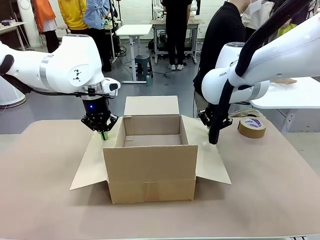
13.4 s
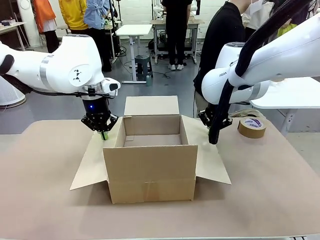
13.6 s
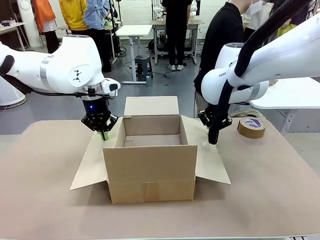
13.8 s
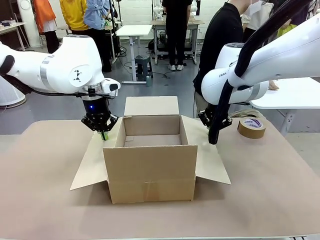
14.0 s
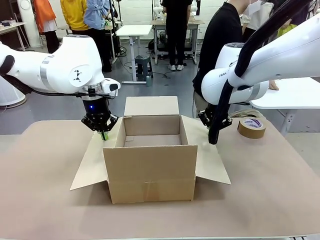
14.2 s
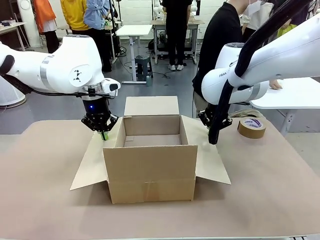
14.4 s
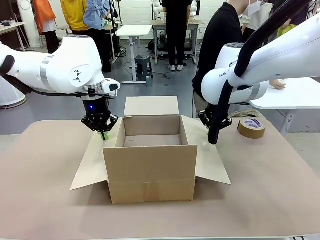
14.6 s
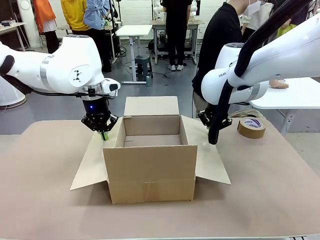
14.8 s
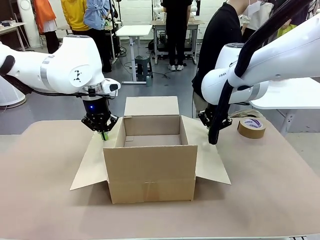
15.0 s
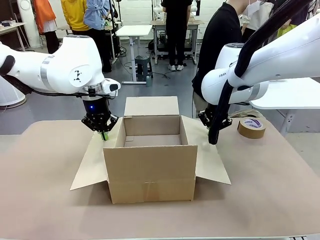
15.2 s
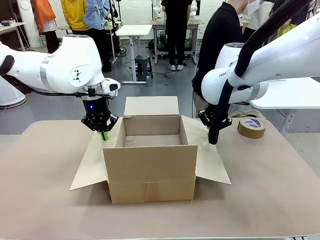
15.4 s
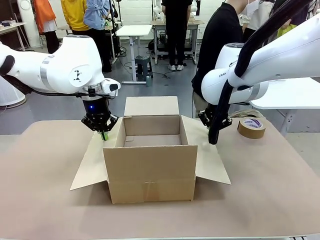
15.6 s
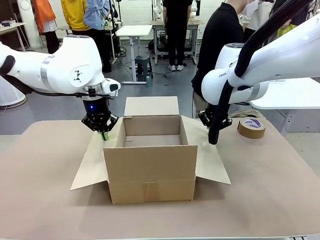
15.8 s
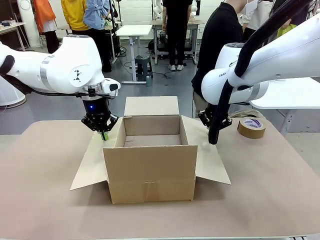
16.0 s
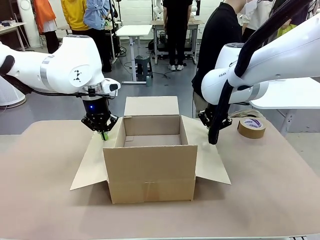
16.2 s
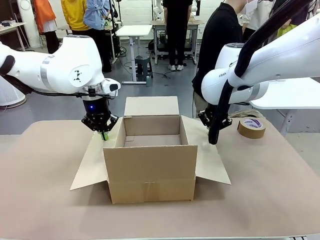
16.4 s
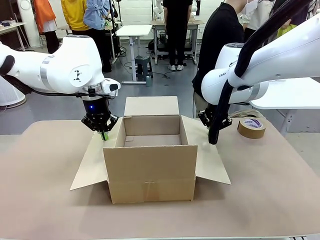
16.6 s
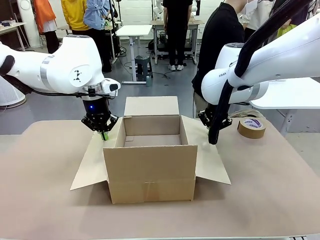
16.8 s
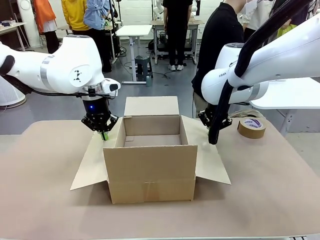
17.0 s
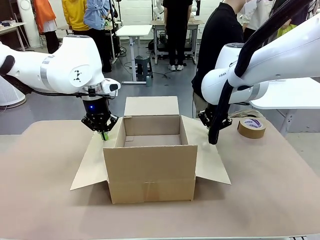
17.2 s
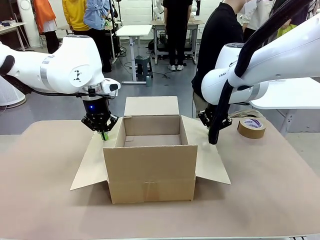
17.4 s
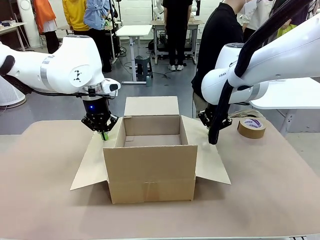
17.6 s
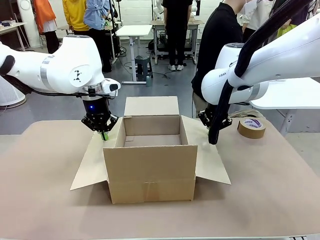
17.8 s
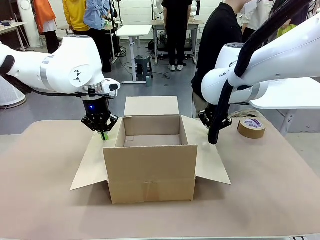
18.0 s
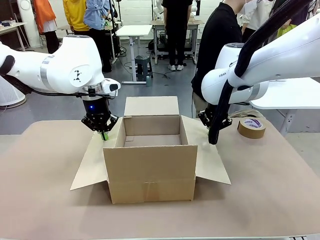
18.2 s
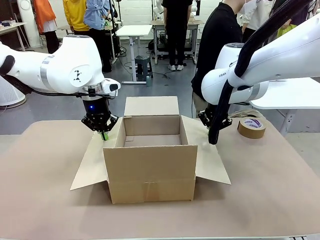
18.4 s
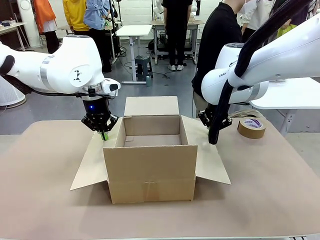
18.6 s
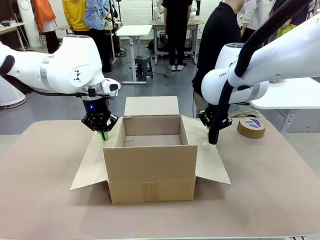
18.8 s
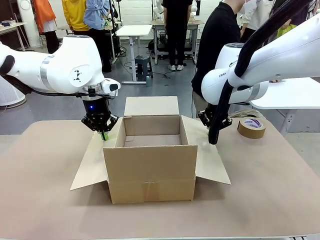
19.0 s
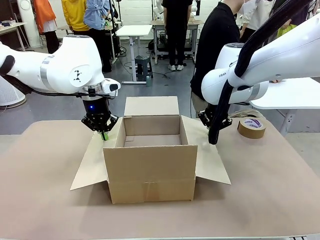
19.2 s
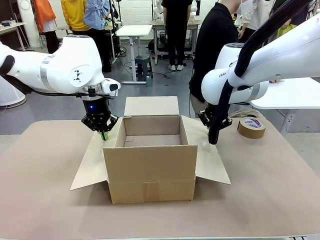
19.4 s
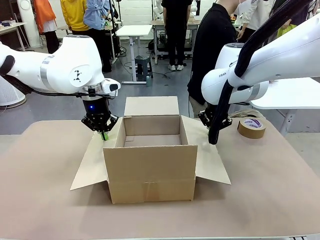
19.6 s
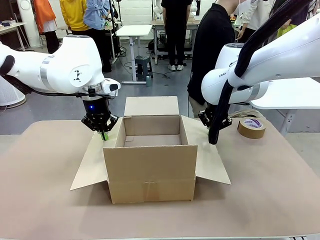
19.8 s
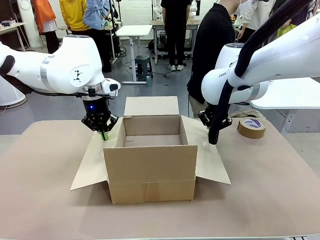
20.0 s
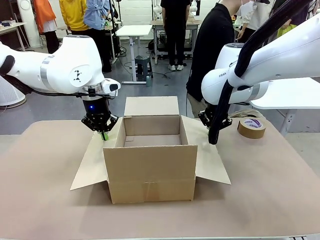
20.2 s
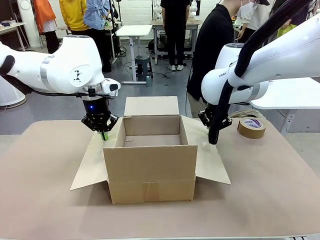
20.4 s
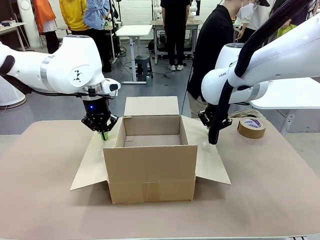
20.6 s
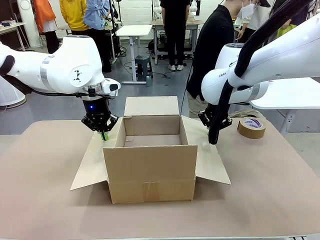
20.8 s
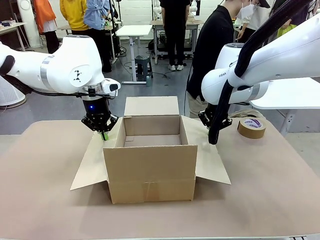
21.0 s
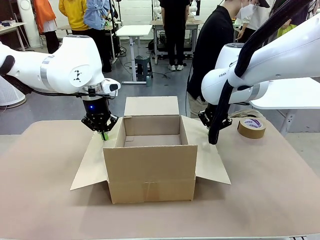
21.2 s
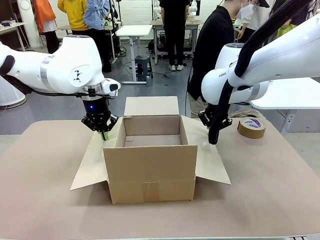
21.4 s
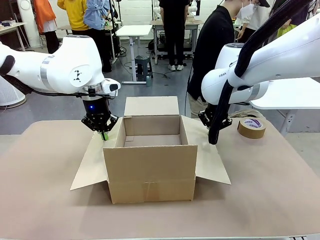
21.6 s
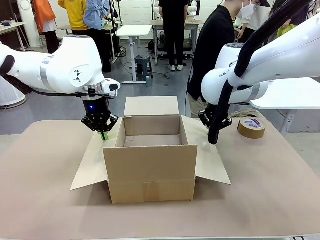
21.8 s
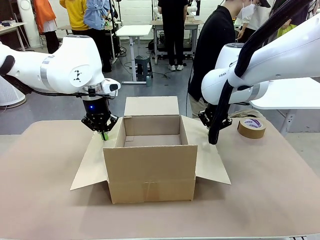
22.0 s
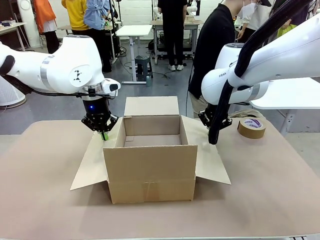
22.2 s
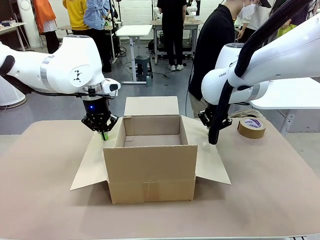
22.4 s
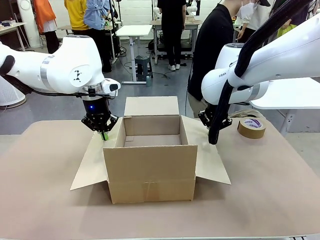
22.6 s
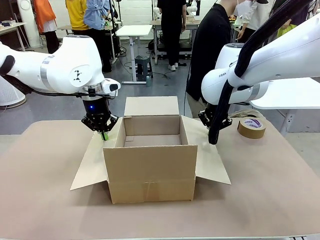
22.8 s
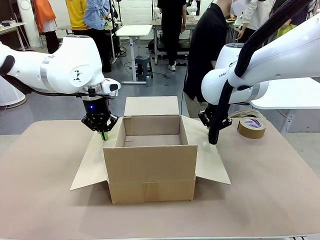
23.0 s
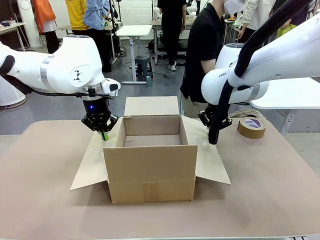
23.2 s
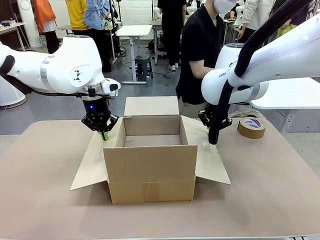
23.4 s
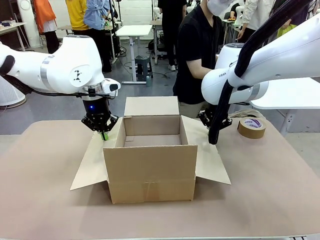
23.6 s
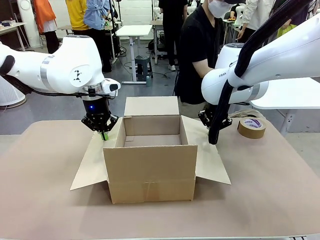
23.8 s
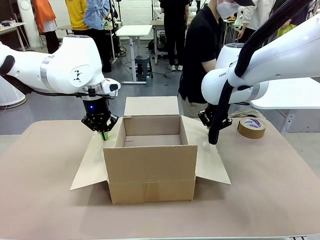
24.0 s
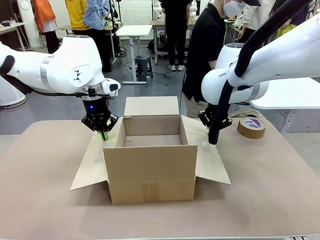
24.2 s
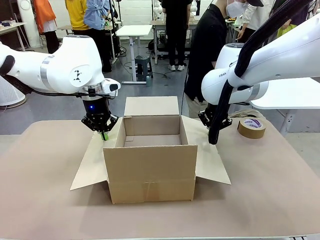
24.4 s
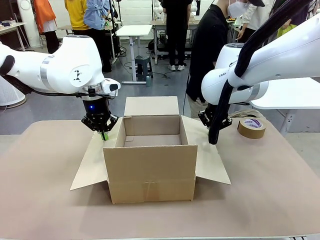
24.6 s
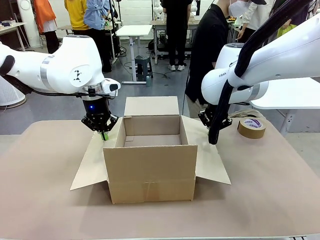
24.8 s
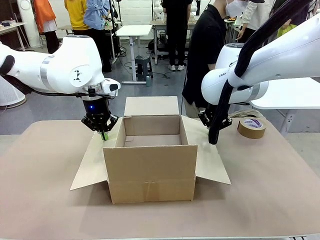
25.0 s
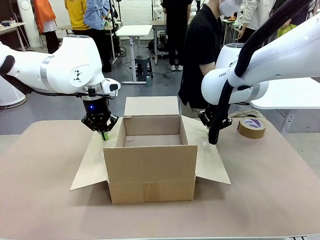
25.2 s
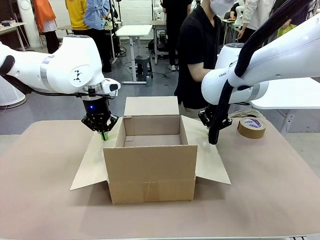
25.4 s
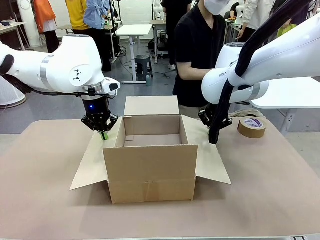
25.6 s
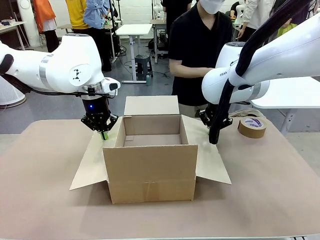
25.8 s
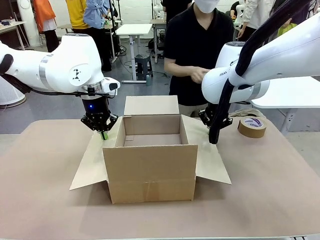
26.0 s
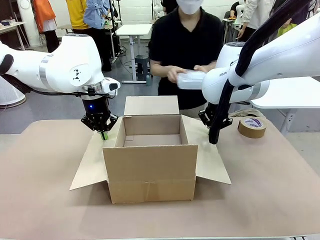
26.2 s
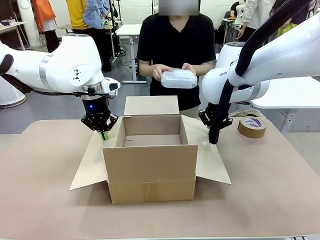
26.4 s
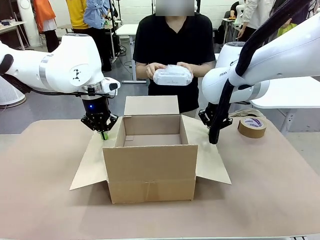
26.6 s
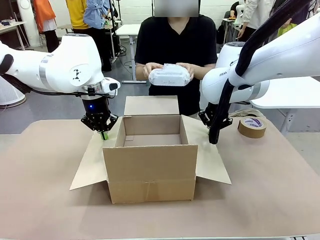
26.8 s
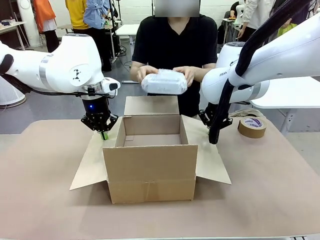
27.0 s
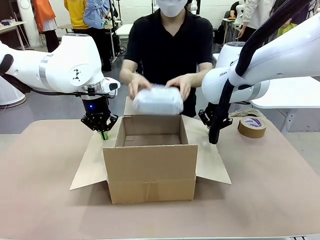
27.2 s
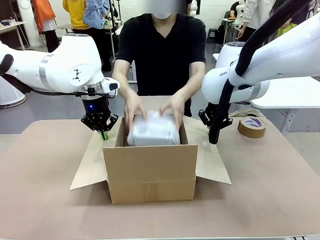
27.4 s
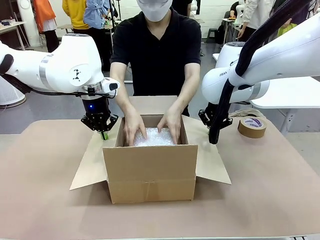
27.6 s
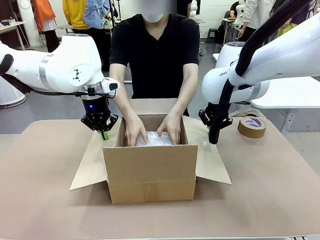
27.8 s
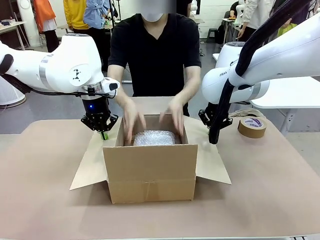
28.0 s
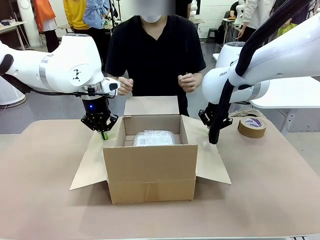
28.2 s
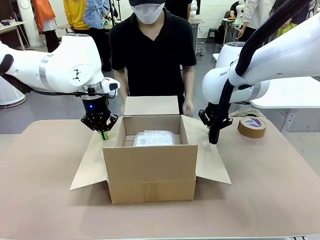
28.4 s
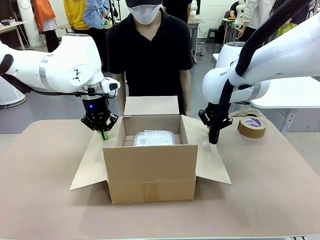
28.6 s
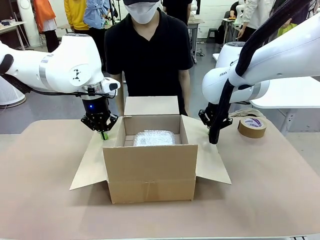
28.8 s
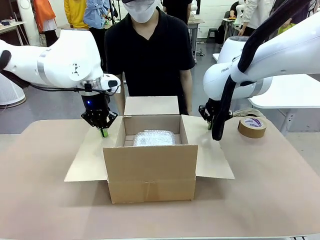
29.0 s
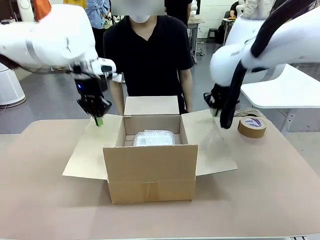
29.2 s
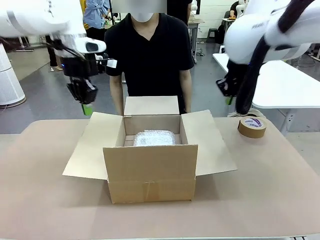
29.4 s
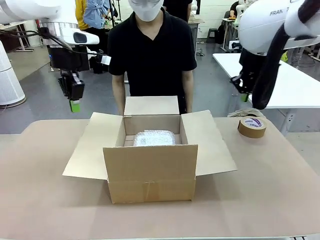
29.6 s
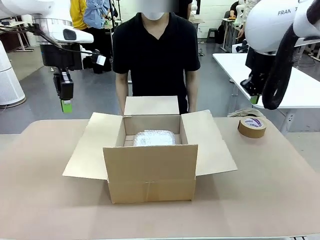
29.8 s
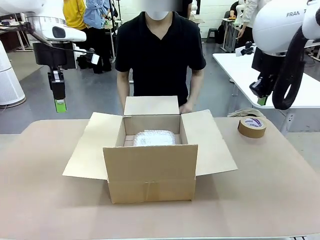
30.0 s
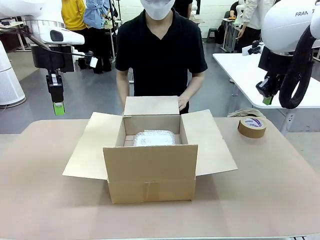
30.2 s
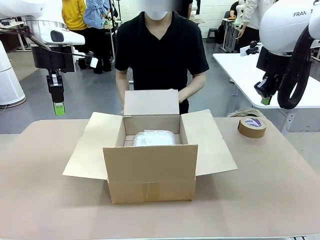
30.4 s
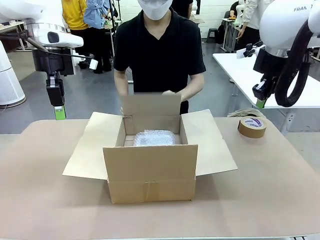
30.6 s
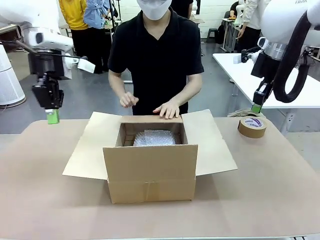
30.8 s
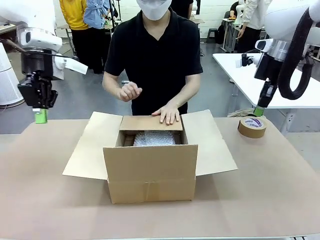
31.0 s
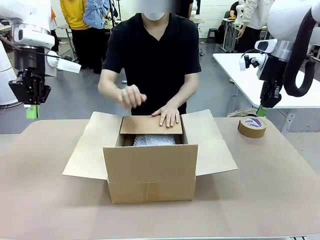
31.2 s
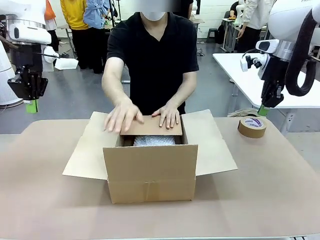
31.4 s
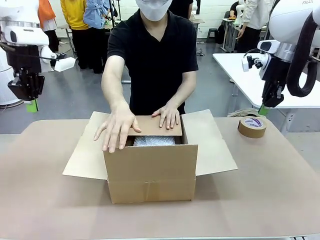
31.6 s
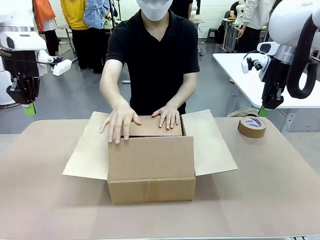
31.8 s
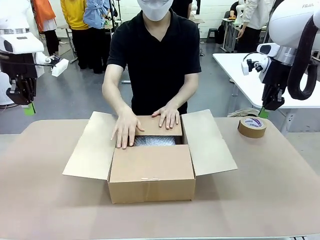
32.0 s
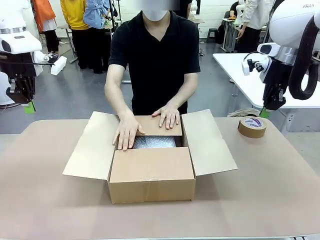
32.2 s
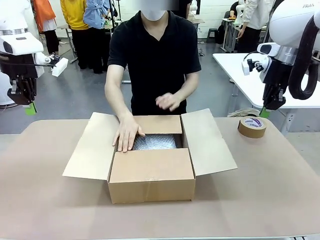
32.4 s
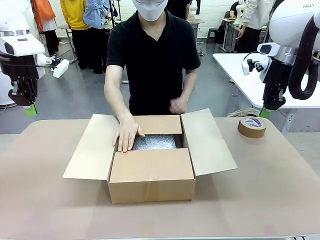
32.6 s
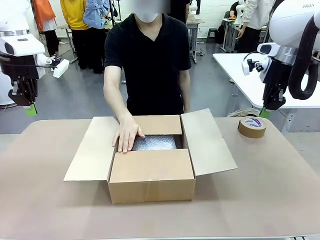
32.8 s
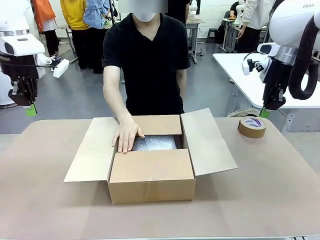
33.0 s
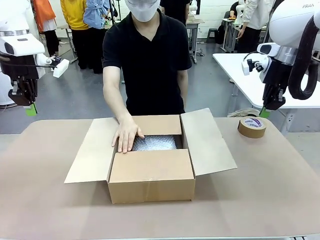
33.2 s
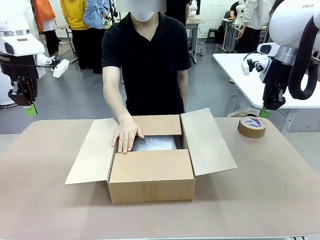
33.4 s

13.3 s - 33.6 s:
Task: Wrap the clocks to prevent damage.
Robot: Once the human has placed the objects inside and stepped back, release both hands from the side flaps of the Package Box.
Person: Place the wrapped Digital clocks inside the Package Box. Hold the top and bottom flaps of the Package Box closed with your left (or right) hand.
